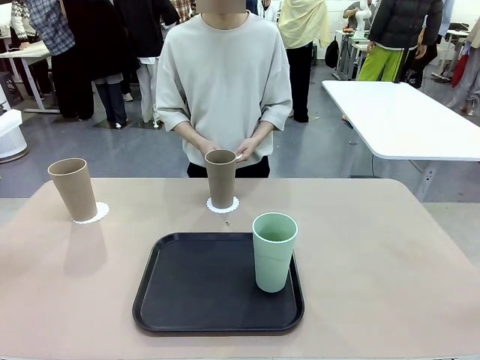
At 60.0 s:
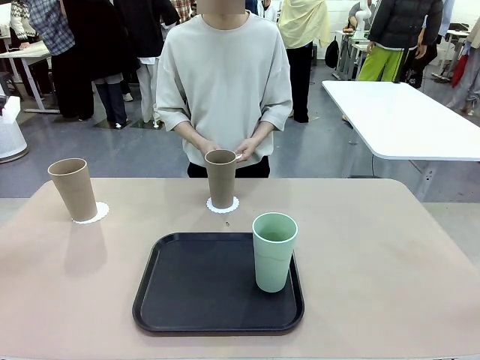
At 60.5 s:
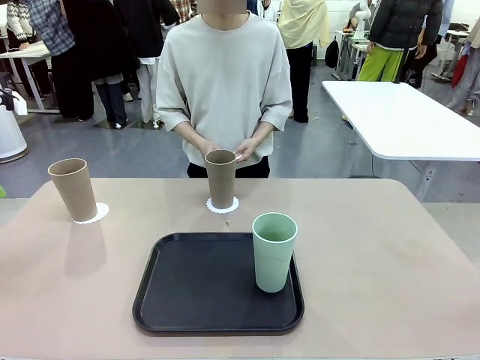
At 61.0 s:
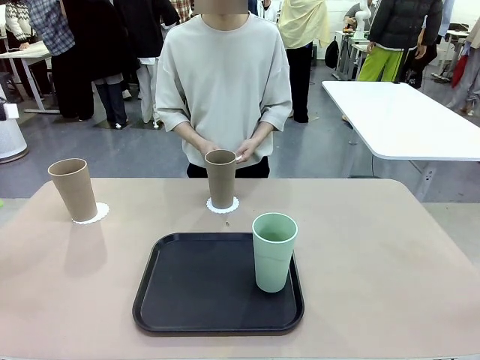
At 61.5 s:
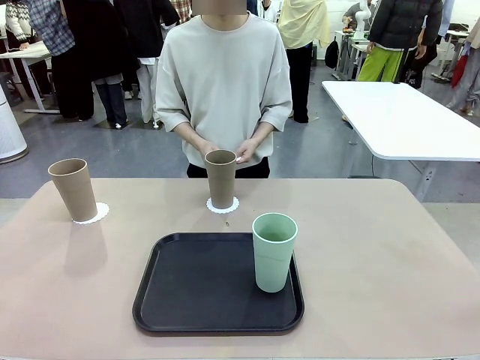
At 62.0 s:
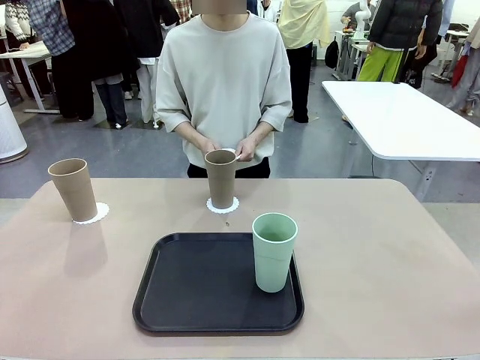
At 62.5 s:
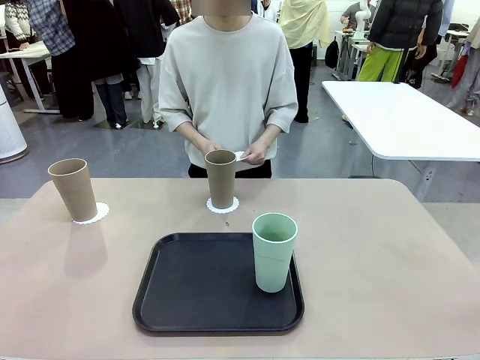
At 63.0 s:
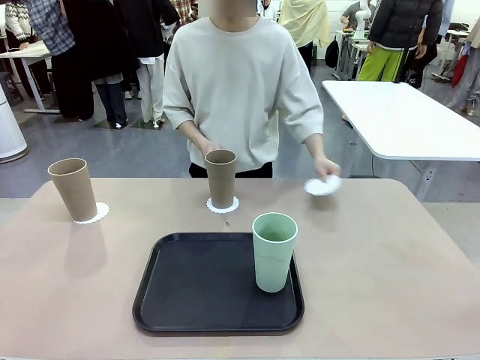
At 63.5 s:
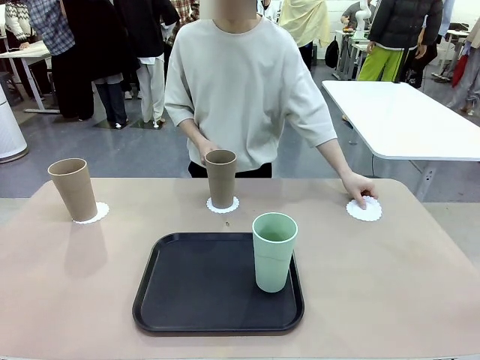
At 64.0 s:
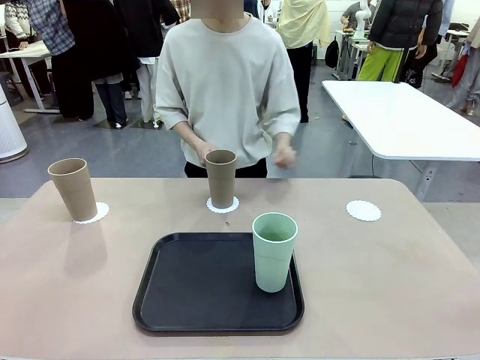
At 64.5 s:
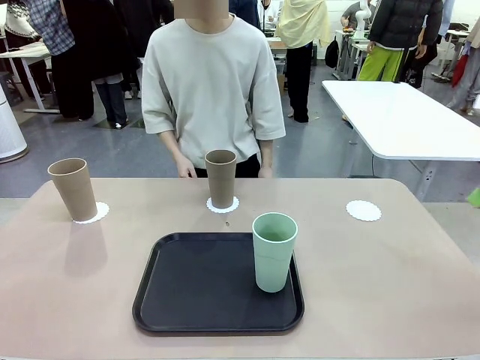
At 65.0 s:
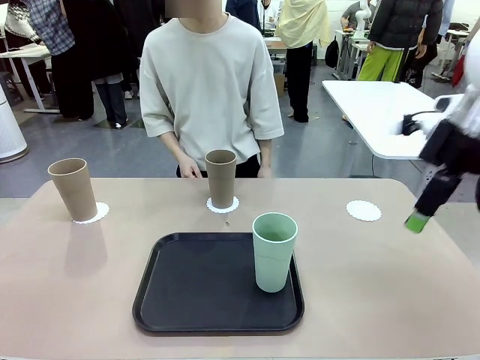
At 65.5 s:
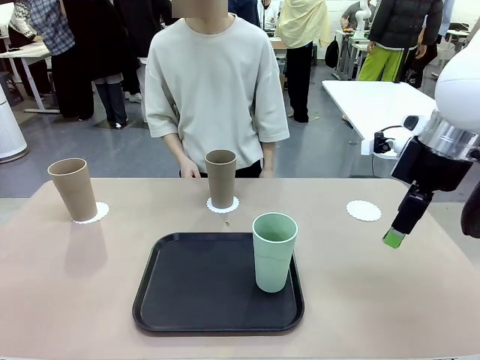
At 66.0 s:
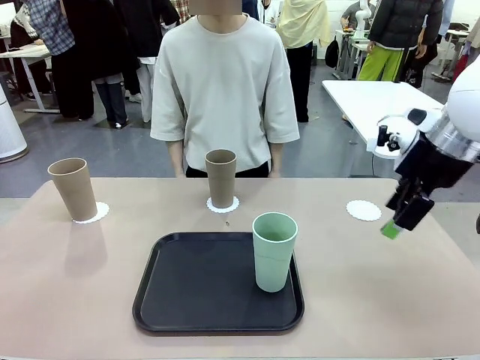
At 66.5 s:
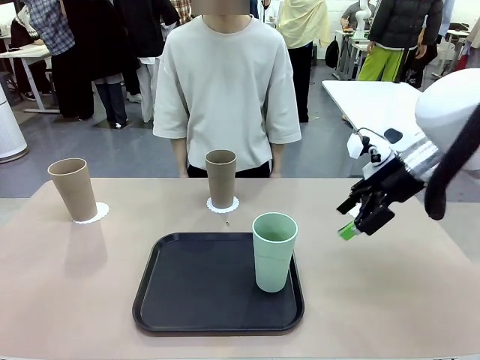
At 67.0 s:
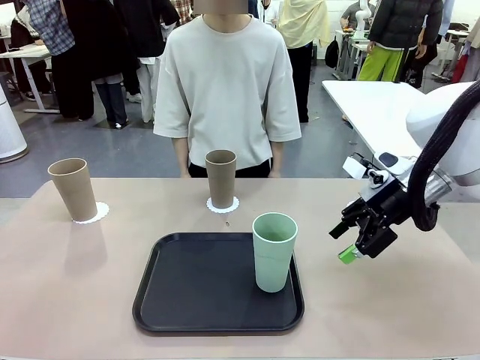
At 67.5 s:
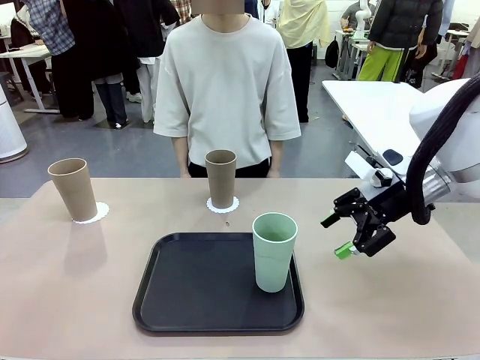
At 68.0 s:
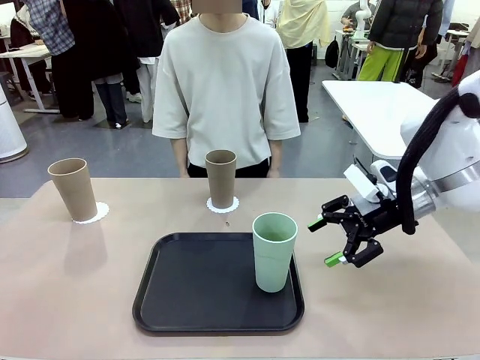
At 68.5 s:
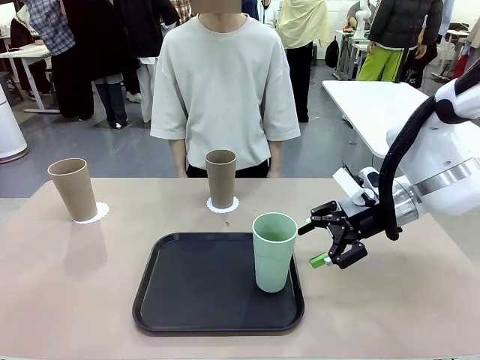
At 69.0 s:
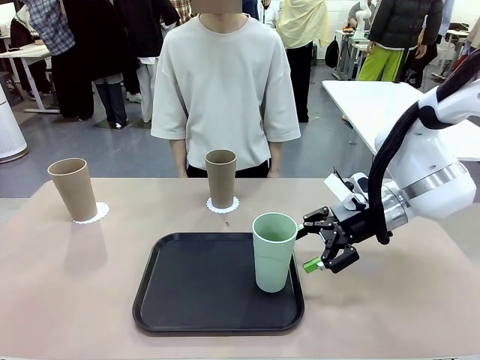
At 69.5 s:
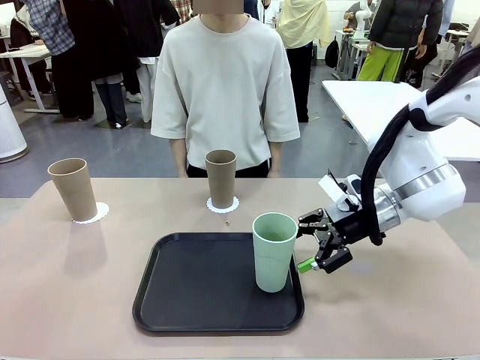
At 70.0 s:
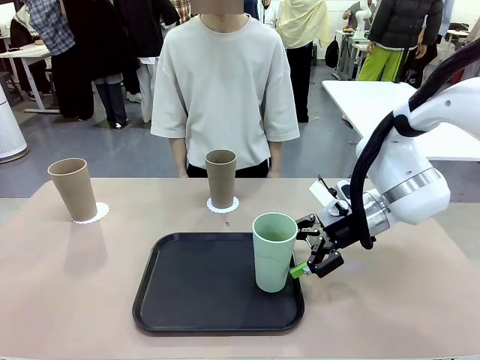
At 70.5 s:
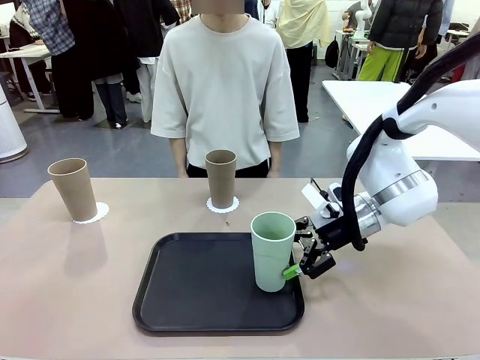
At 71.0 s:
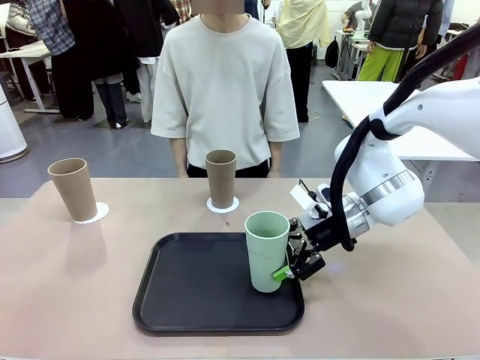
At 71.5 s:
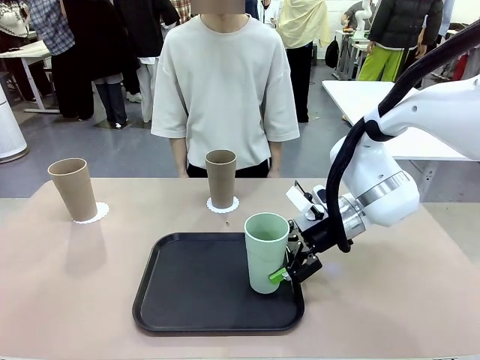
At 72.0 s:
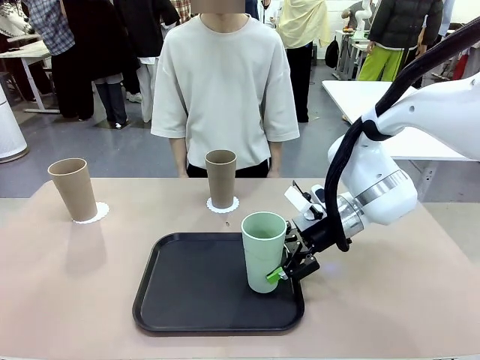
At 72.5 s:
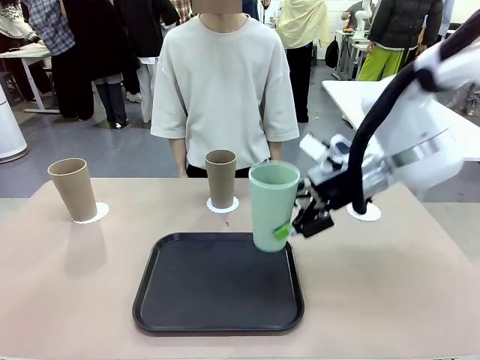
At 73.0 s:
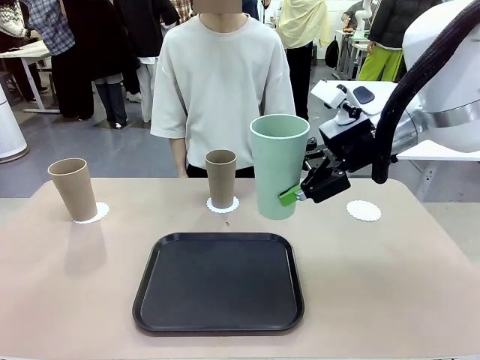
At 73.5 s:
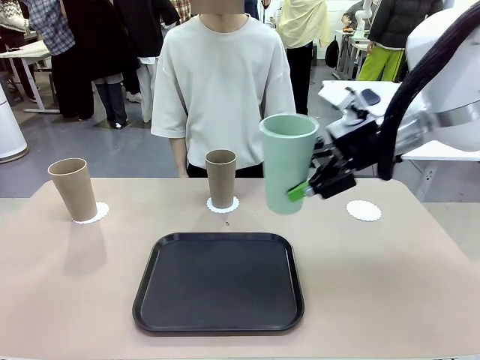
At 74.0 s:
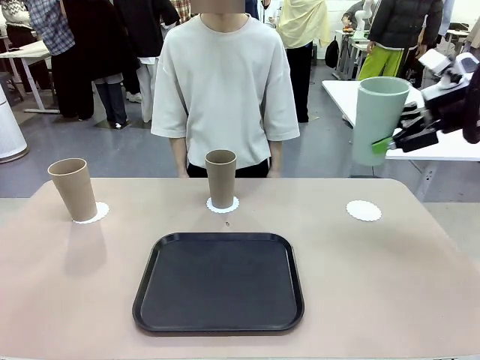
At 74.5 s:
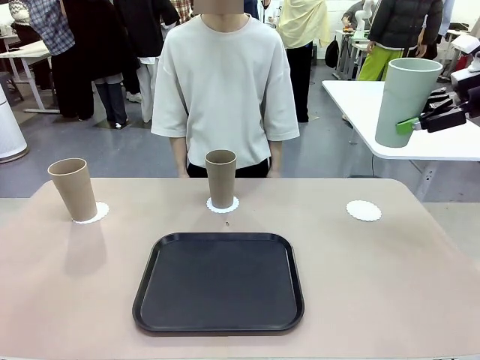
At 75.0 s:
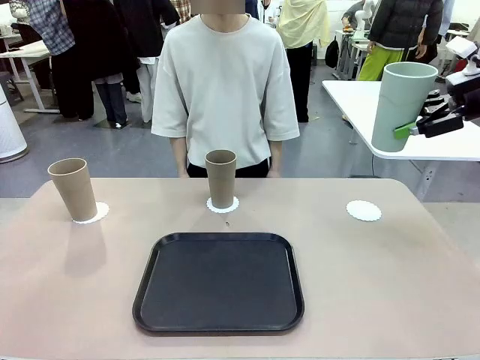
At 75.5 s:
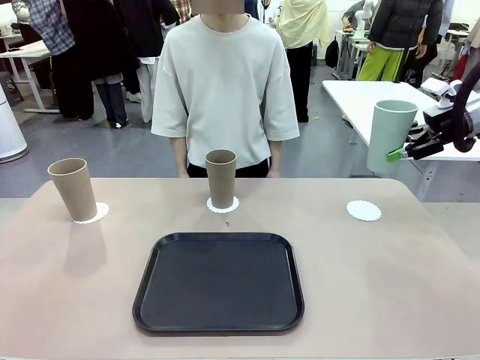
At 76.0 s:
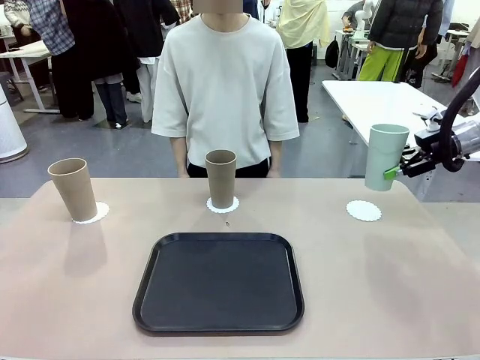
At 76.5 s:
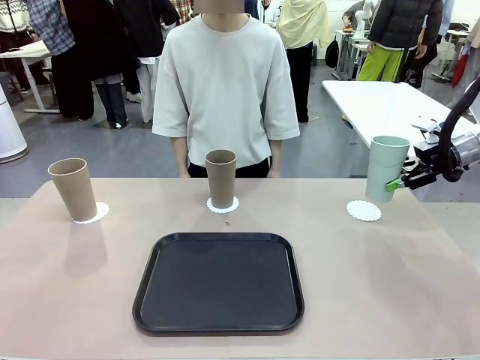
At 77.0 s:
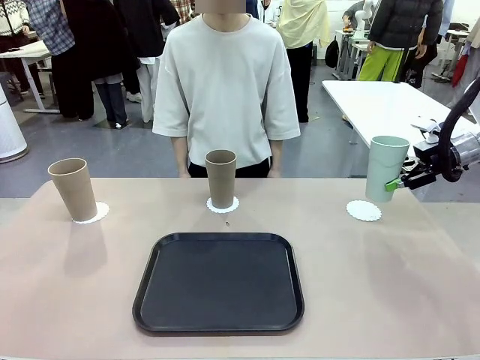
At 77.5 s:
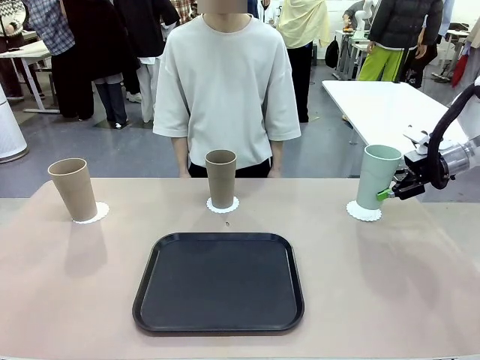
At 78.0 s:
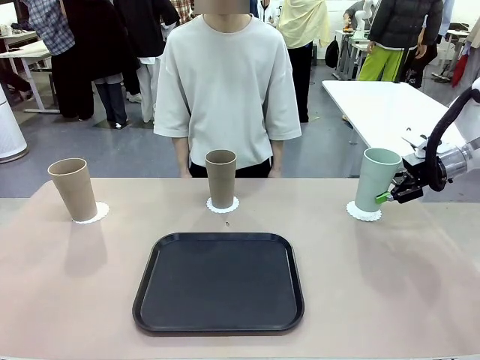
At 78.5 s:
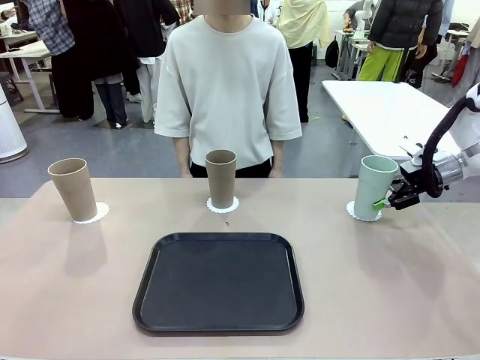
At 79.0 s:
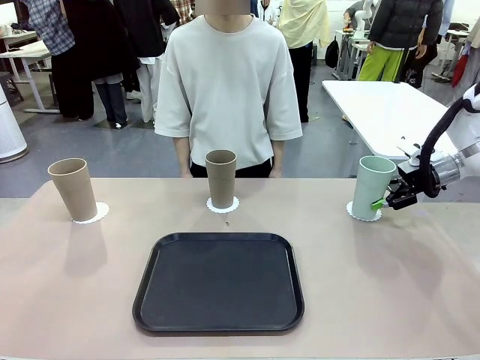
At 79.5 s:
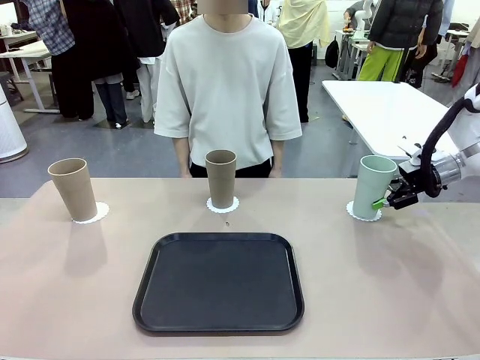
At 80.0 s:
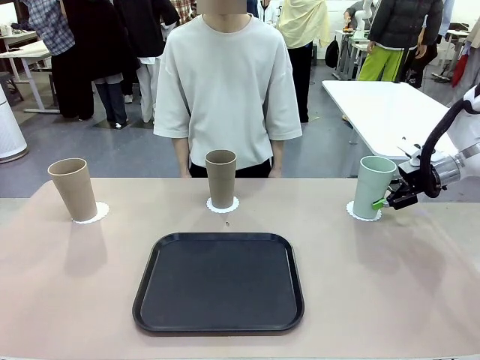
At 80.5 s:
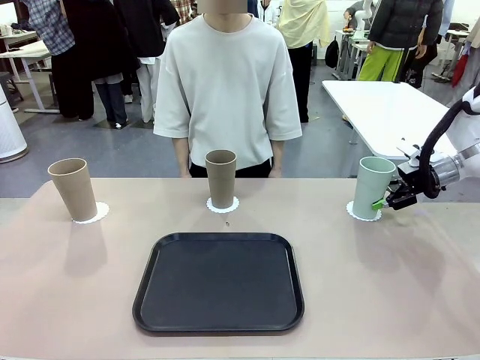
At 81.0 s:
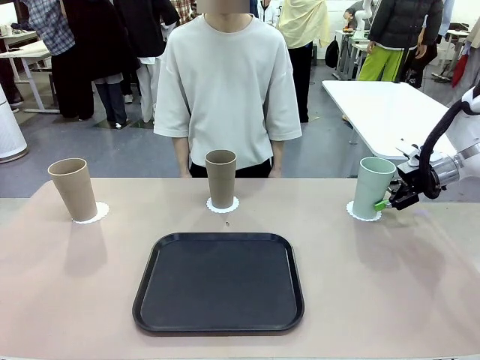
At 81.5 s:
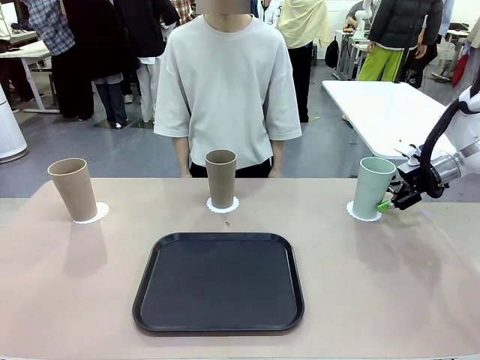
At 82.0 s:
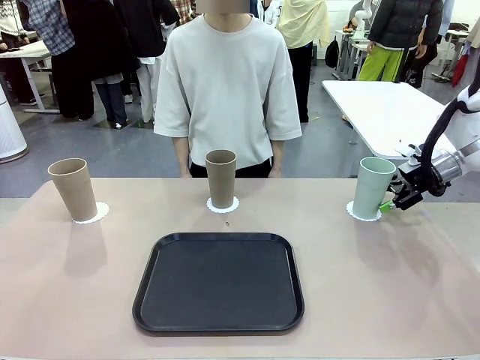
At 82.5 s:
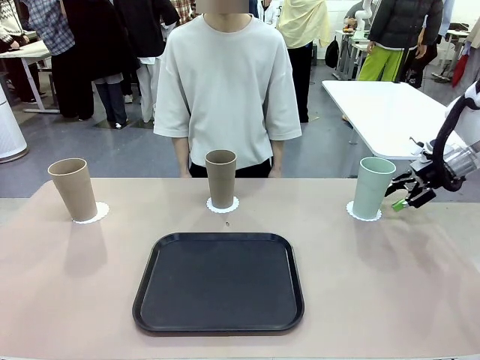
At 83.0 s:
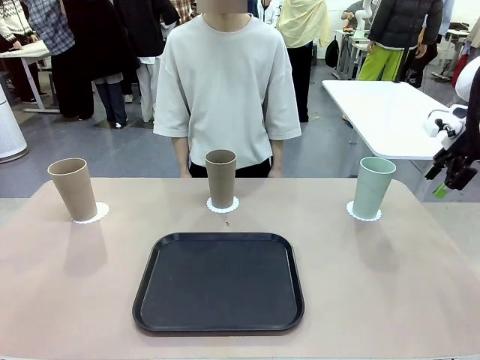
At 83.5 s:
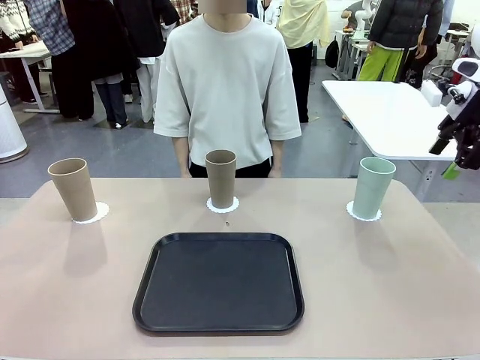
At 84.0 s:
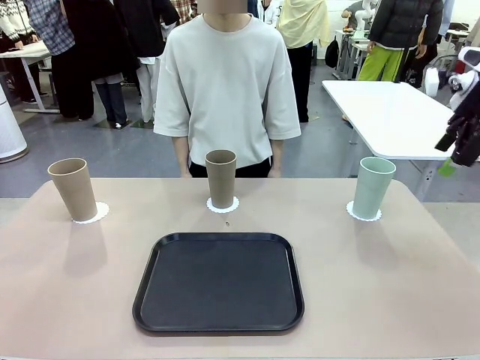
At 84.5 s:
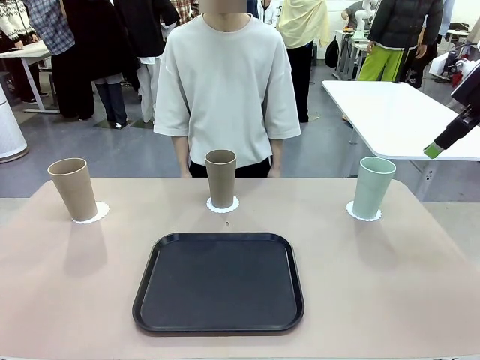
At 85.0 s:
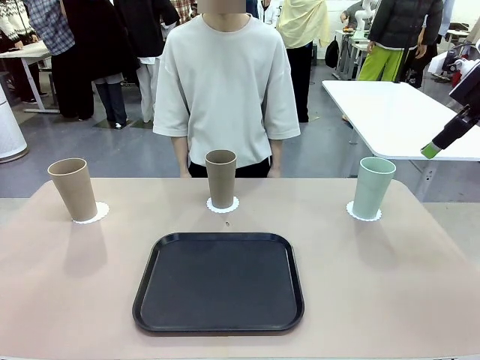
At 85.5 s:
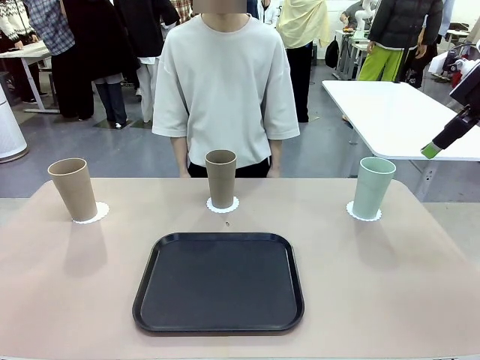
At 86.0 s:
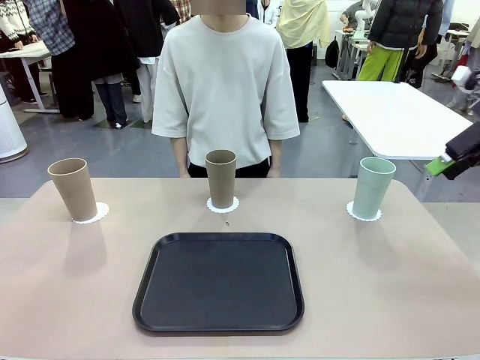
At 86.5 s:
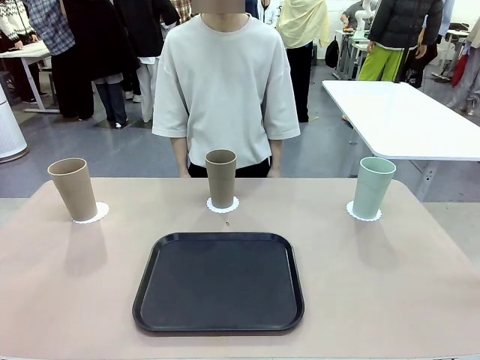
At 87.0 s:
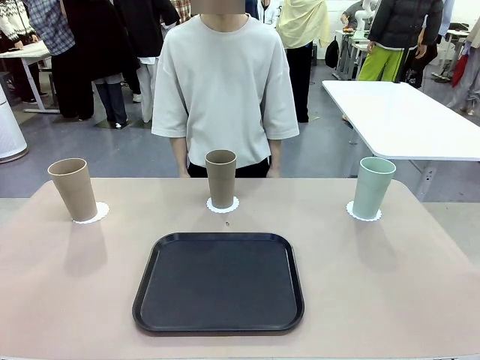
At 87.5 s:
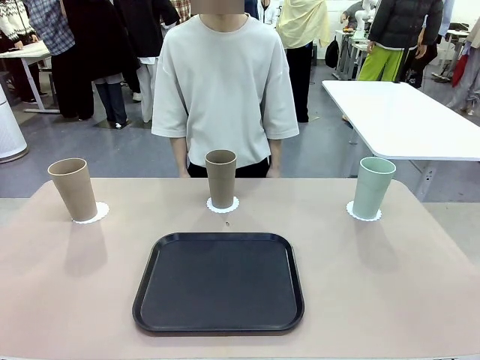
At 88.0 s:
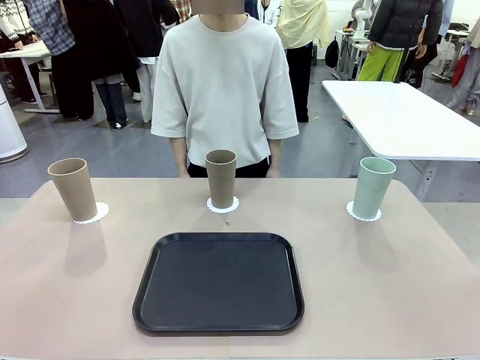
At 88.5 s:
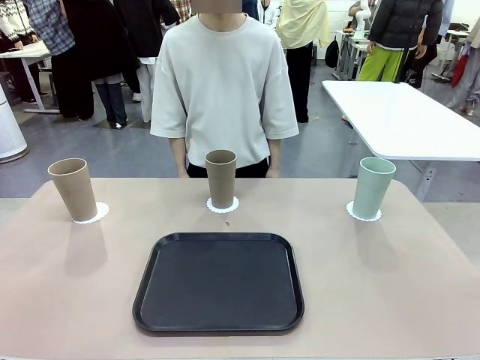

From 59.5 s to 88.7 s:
Task: Place coasters on the table and set cups on them.
Robot: Take one Reusable plastic cup from the Flat Tray and place it on a coaster set by the human.
Person: Place one coaster in the only remaining area.
